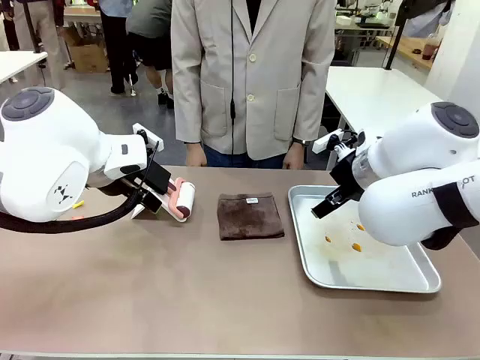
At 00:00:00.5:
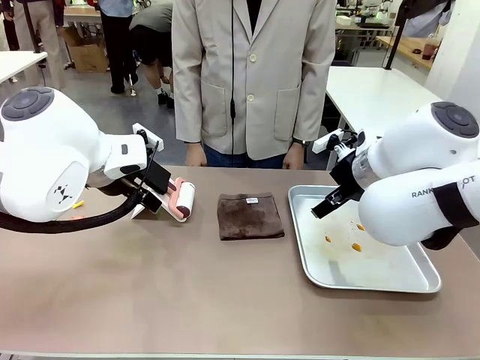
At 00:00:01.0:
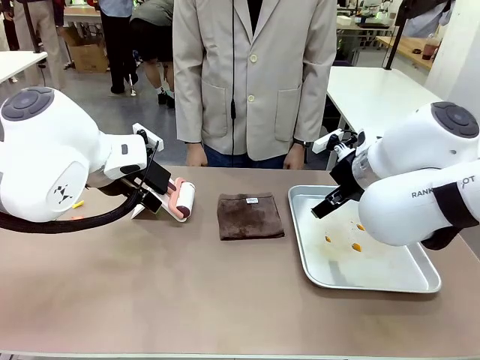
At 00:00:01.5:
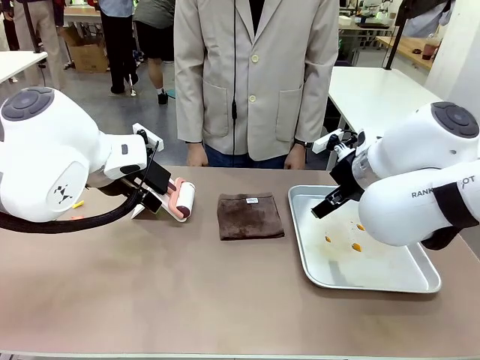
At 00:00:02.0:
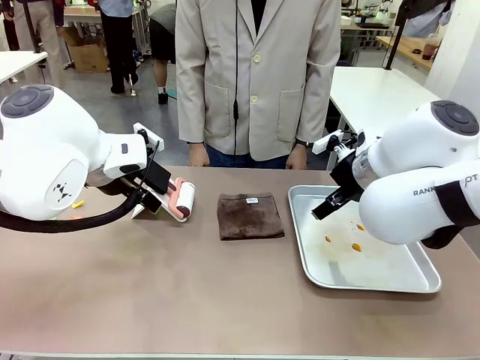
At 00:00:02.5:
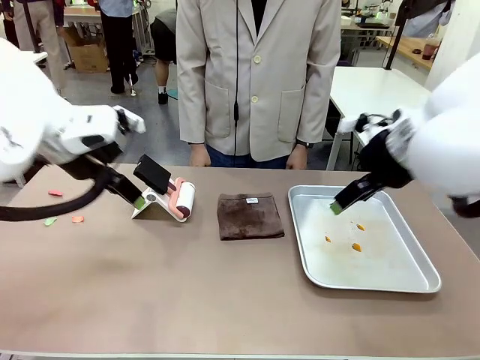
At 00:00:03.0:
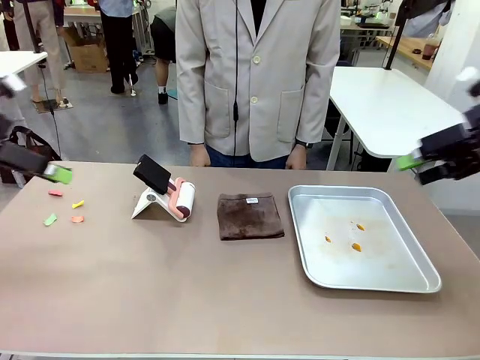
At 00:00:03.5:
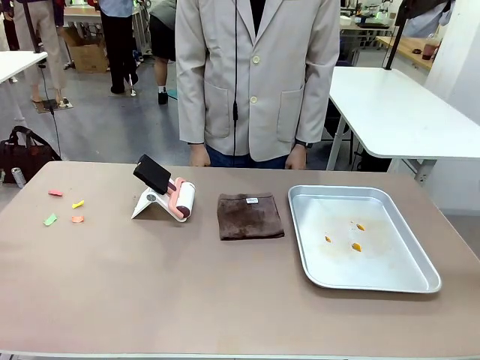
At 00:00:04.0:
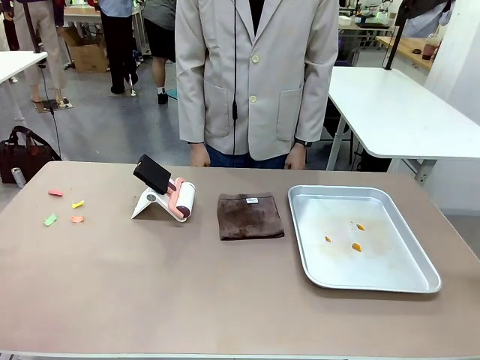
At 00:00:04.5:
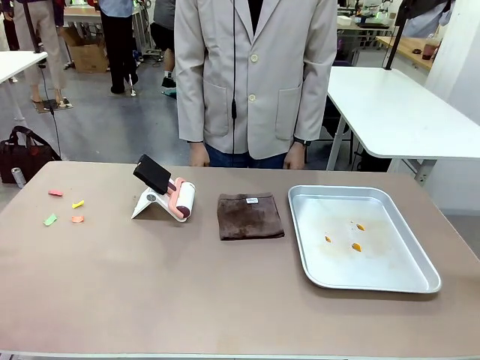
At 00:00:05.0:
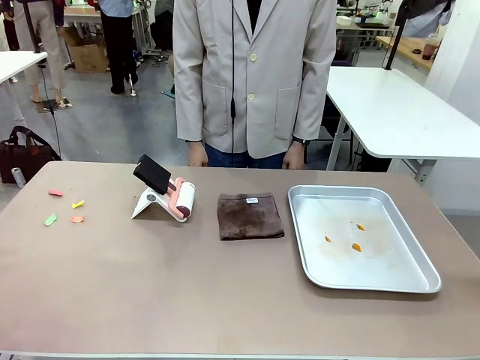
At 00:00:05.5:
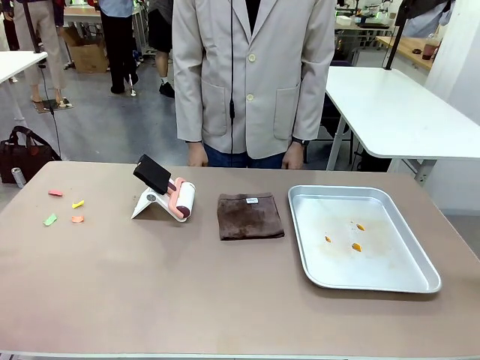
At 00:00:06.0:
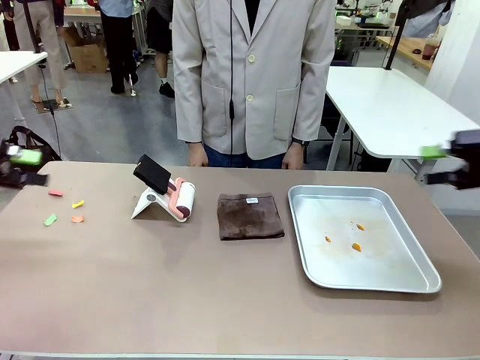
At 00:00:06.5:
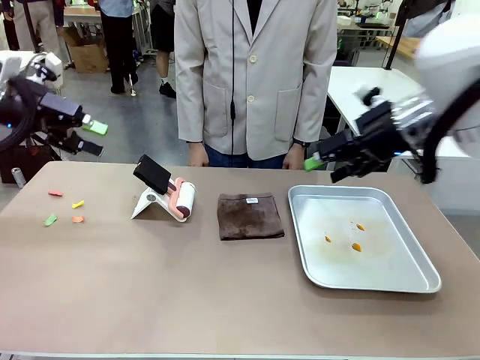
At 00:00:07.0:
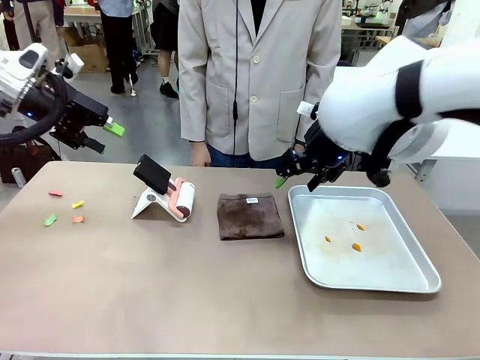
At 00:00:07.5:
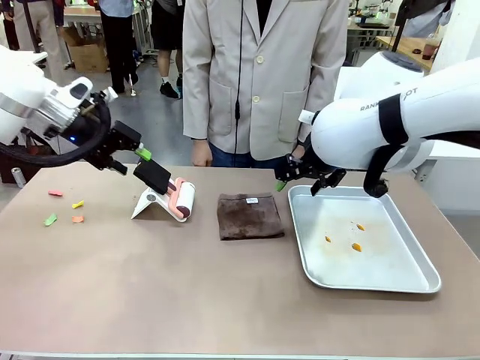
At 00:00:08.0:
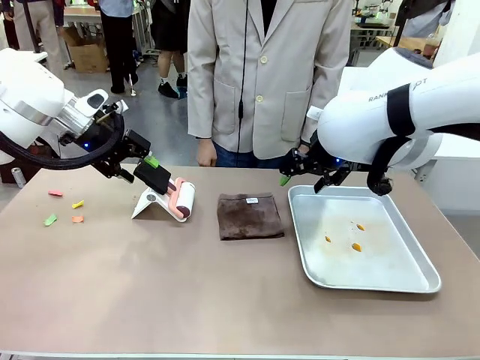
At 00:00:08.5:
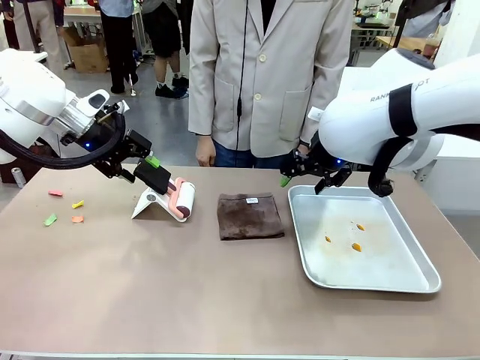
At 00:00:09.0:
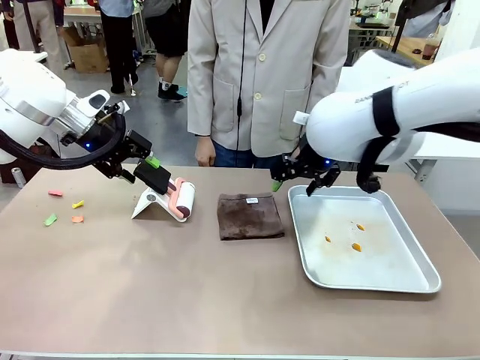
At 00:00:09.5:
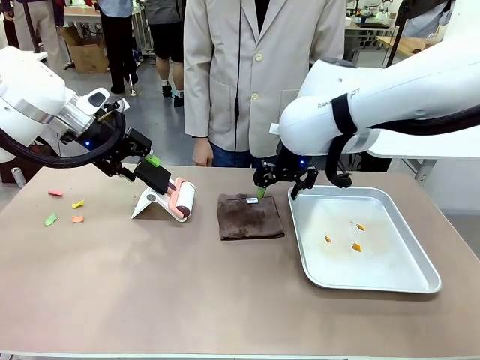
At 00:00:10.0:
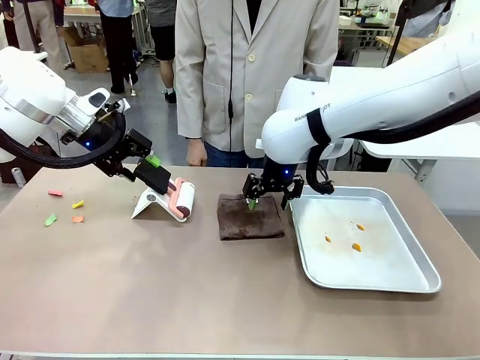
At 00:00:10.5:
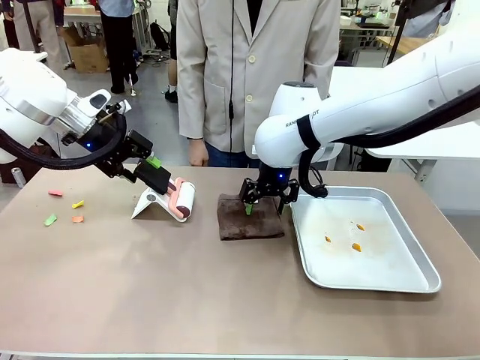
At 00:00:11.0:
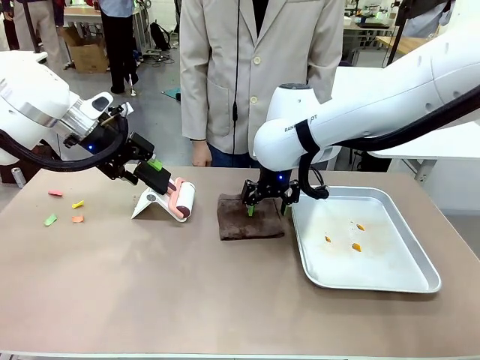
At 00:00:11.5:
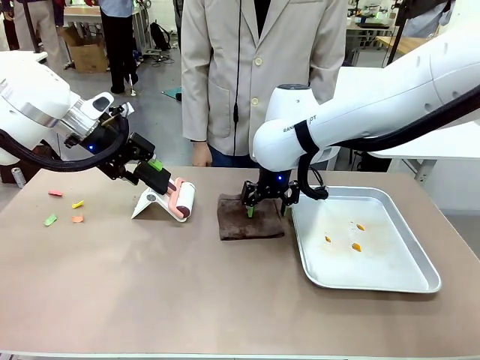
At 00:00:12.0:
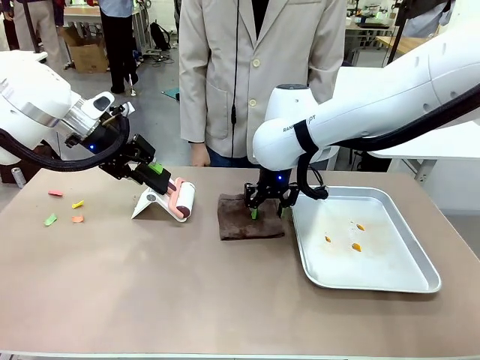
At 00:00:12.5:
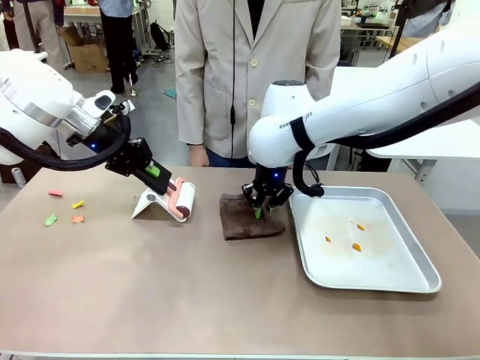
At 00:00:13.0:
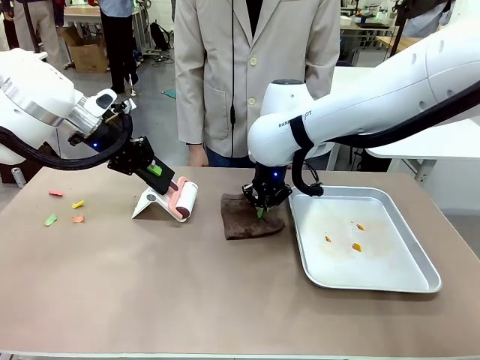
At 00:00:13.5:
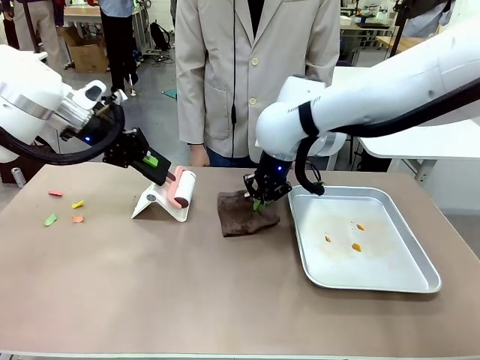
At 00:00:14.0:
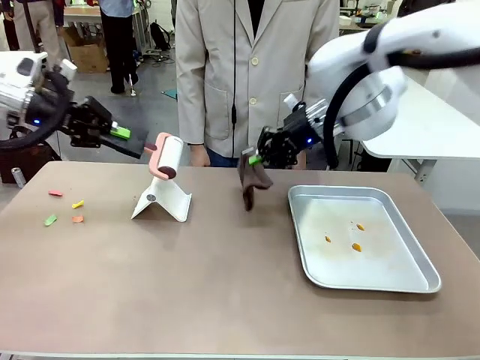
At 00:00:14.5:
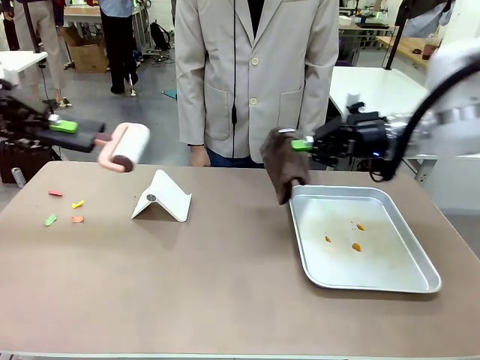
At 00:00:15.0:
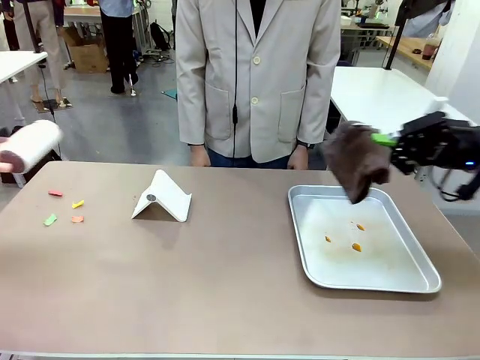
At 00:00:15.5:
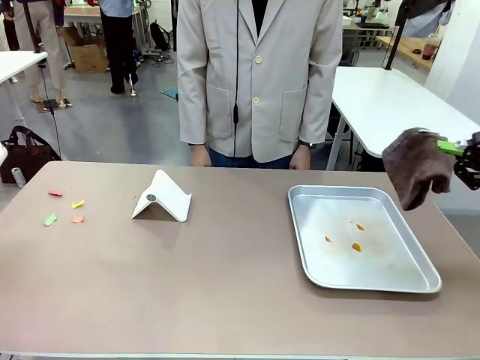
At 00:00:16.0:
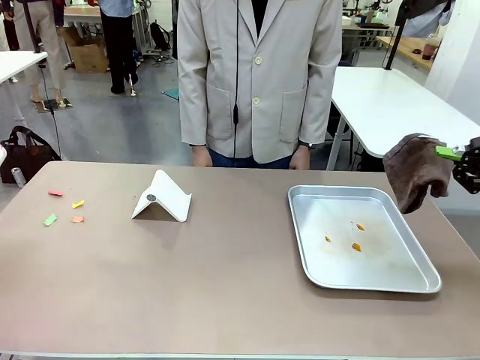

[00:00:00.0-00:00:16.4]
Task: Clean the surface of the table.
Robot: Hold the Lint Roller with your left hand and the towel with your right hand.

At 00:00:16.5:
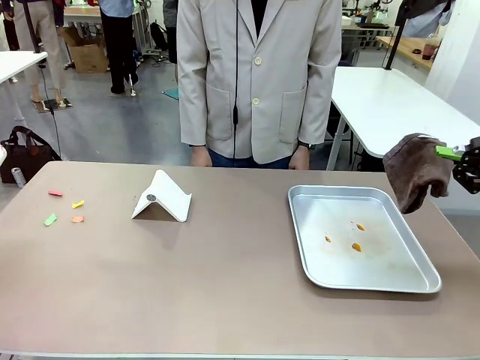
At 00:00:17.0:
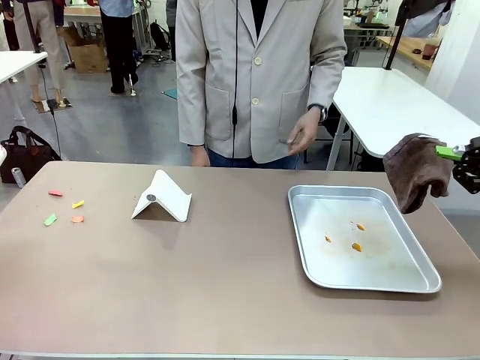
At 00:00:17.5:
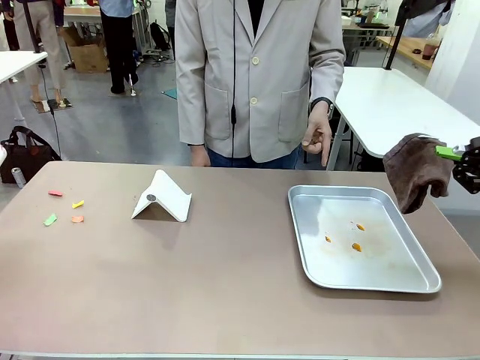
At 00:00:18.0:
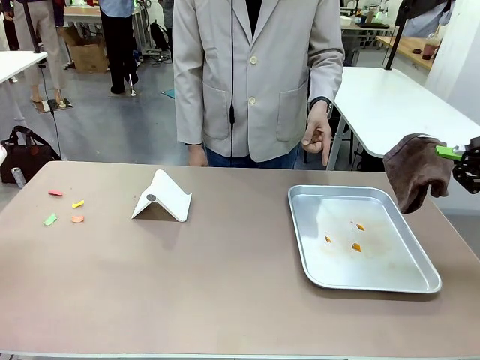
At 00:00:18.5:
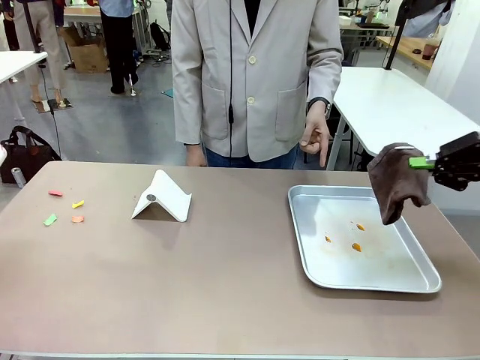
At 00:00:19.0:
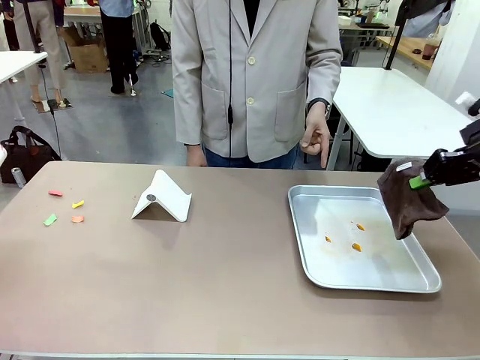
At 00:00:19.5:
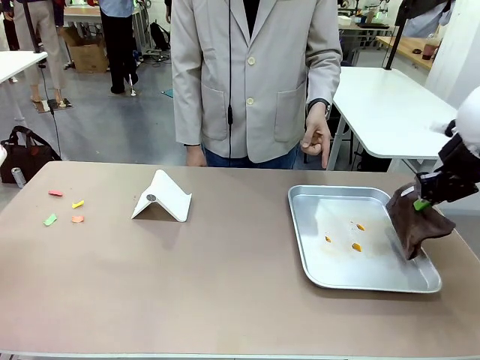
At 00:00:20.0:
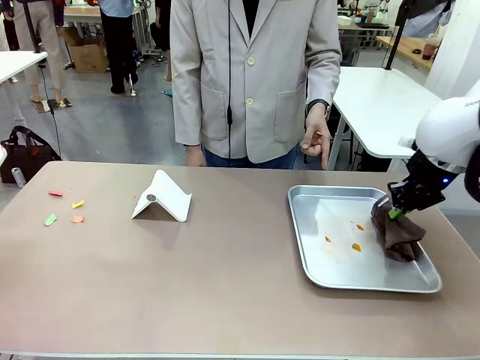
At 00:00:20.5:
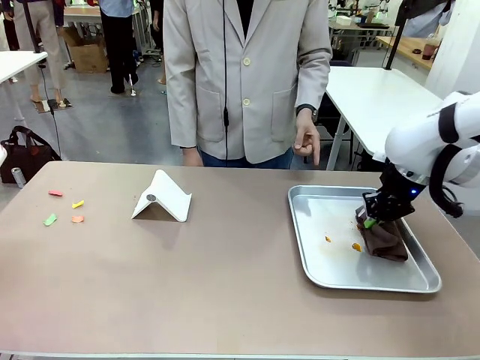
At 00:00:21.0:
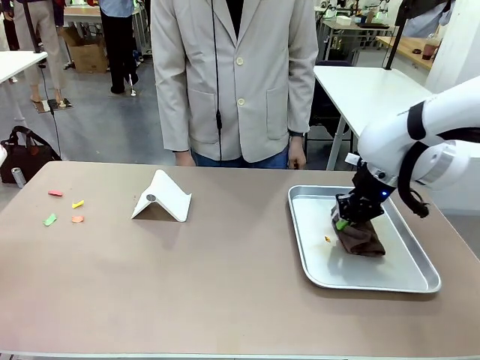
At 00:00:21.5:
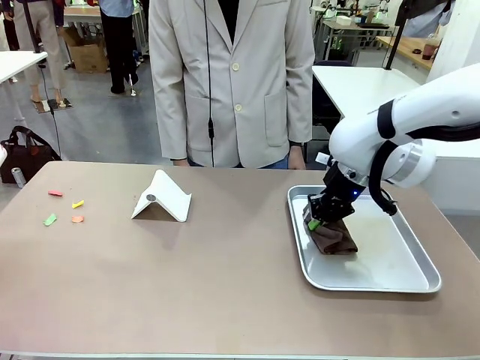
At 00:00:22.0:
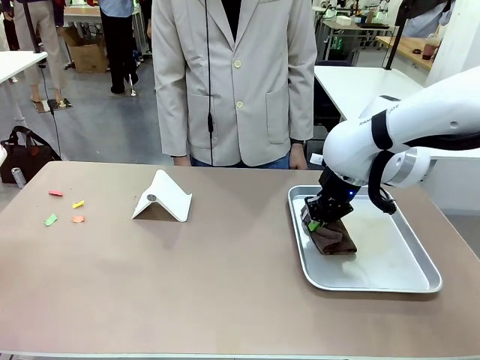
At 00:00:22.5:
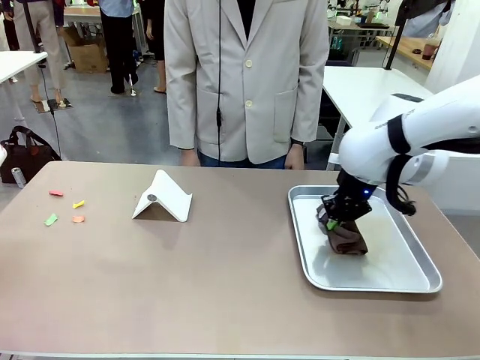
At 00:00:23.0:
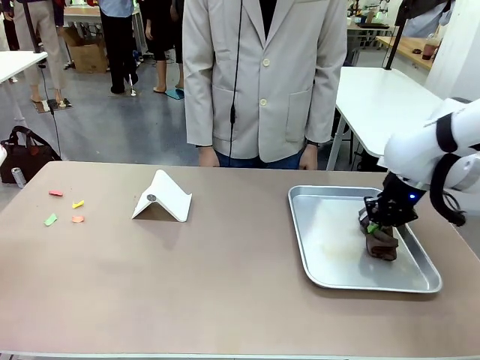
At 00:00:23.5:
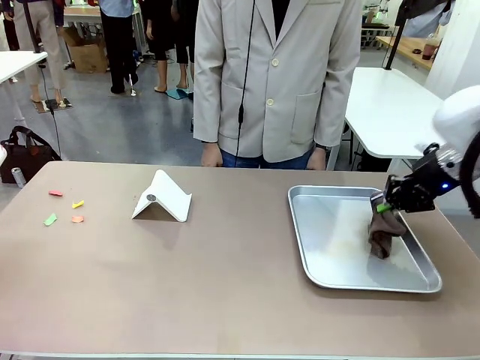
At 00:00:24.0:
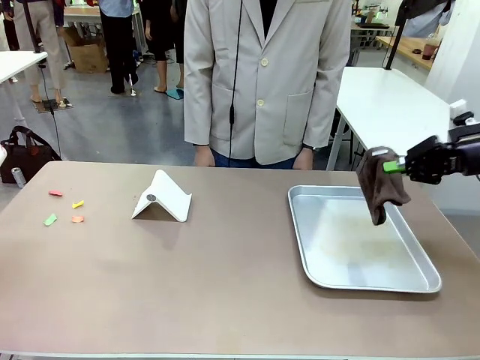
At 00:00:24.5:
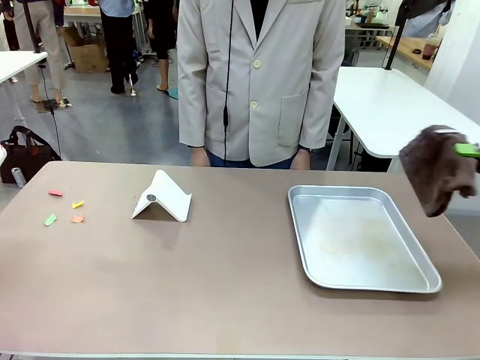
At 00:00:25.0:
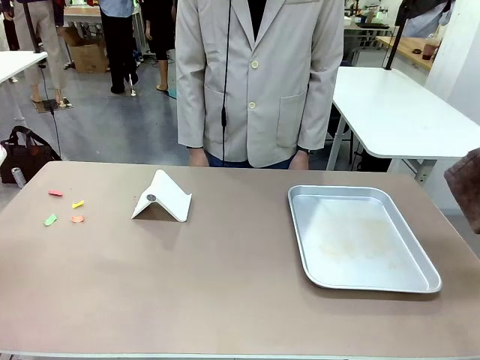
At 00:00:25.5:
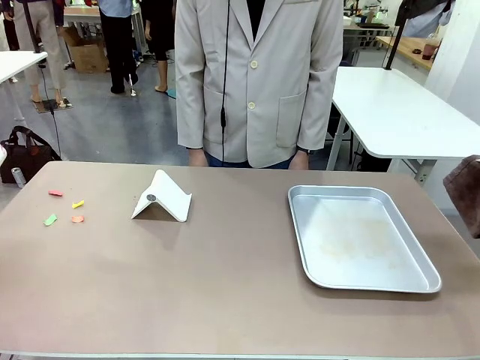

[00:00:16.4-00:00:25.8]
Robot: If a person points to the right, clean the right side of the table with your right hand, and if they point to the left, clean the left side with your left hand.
